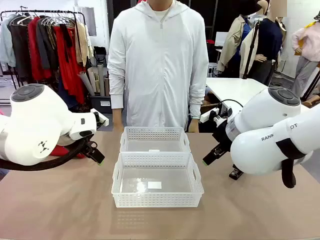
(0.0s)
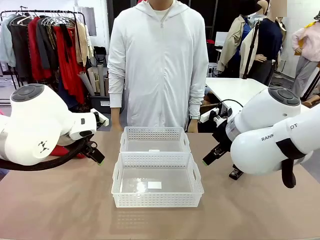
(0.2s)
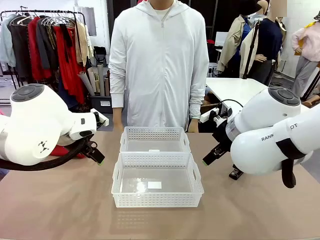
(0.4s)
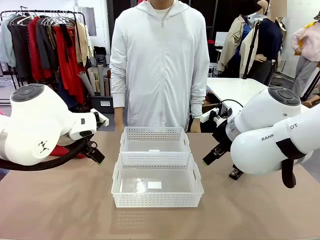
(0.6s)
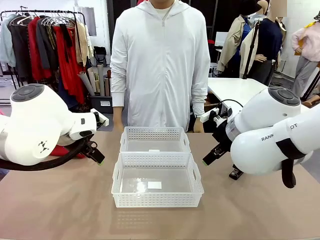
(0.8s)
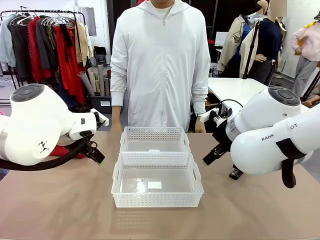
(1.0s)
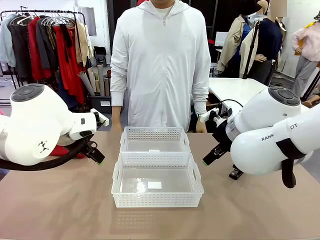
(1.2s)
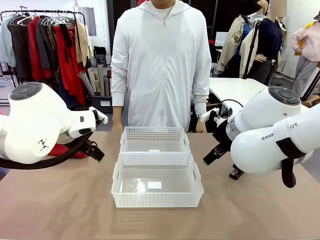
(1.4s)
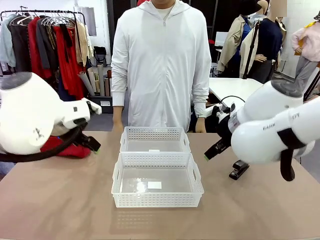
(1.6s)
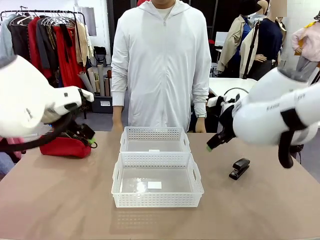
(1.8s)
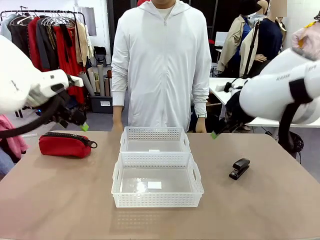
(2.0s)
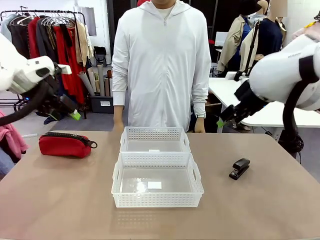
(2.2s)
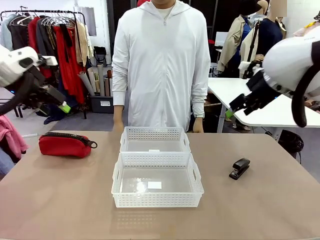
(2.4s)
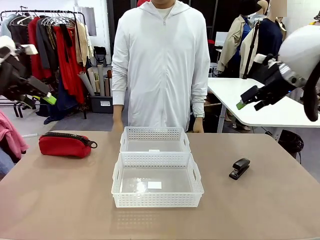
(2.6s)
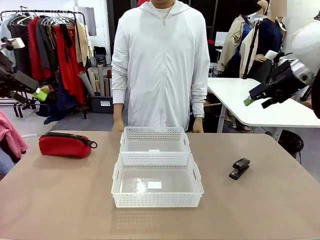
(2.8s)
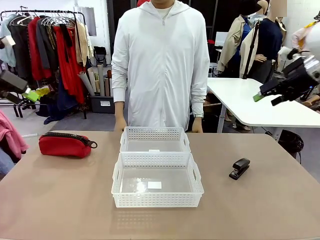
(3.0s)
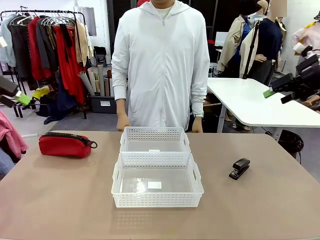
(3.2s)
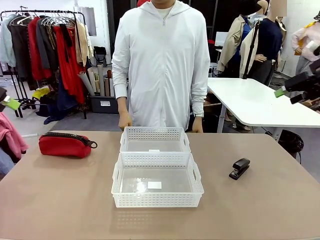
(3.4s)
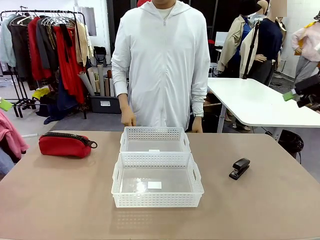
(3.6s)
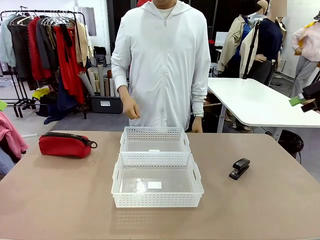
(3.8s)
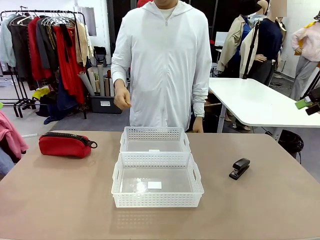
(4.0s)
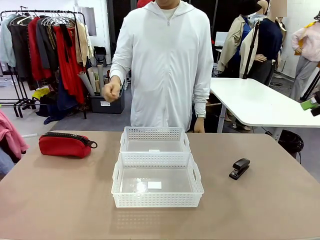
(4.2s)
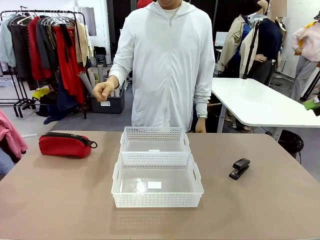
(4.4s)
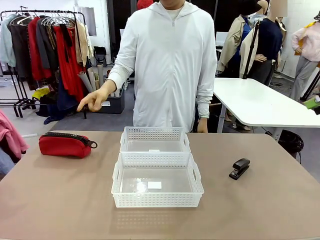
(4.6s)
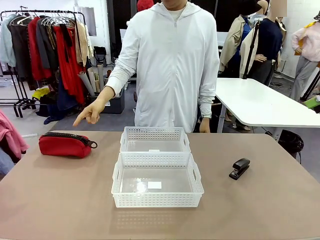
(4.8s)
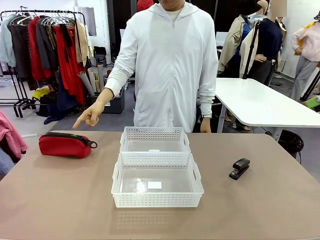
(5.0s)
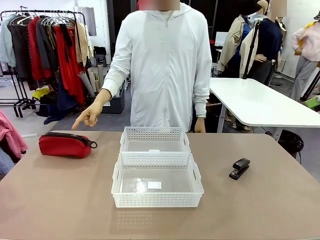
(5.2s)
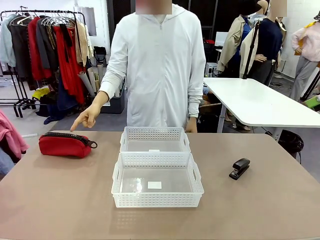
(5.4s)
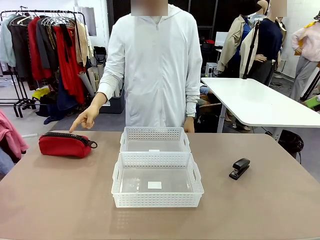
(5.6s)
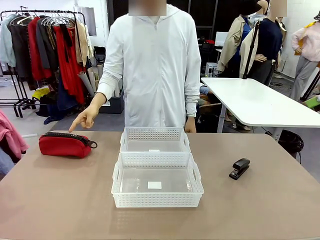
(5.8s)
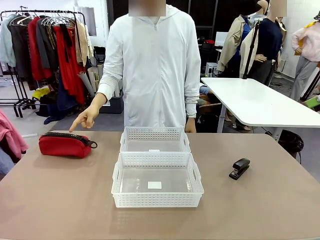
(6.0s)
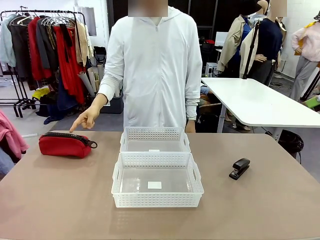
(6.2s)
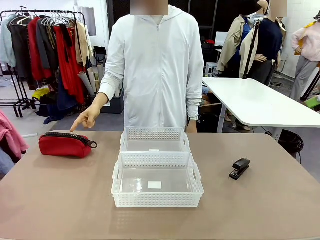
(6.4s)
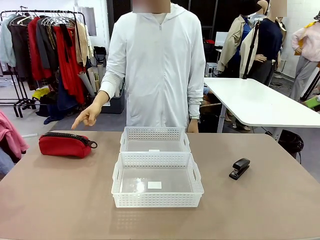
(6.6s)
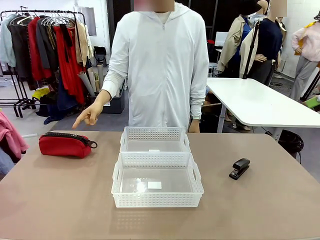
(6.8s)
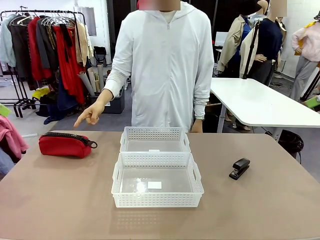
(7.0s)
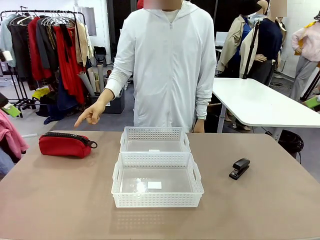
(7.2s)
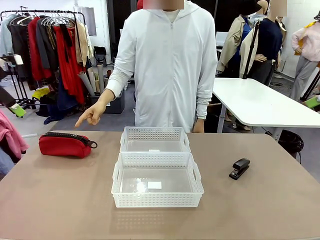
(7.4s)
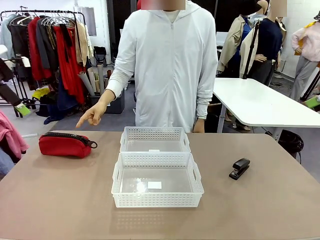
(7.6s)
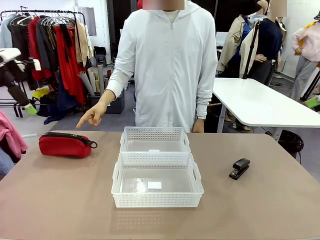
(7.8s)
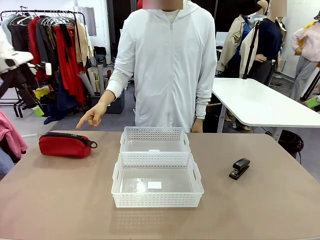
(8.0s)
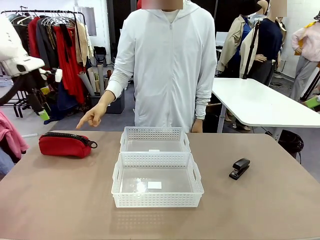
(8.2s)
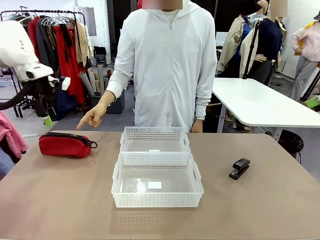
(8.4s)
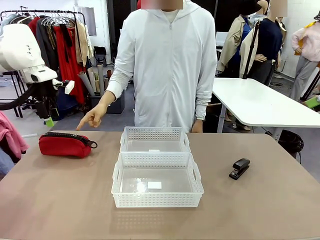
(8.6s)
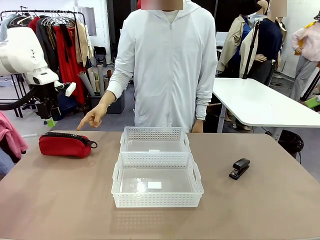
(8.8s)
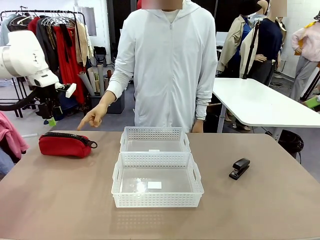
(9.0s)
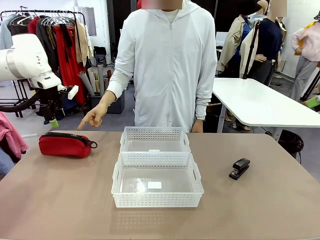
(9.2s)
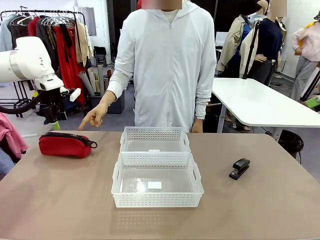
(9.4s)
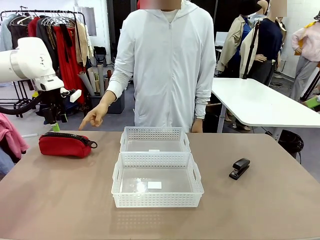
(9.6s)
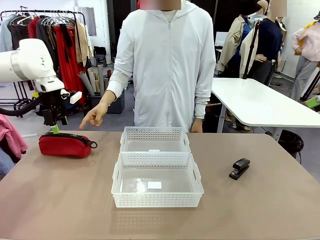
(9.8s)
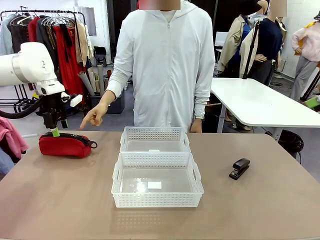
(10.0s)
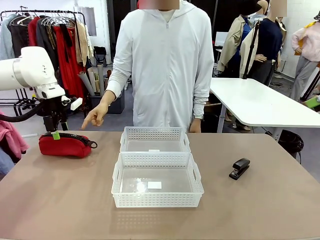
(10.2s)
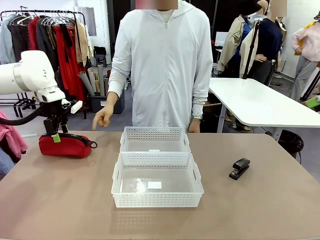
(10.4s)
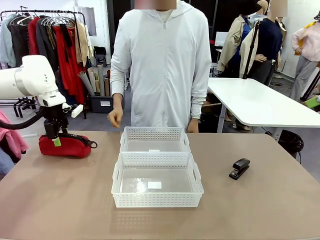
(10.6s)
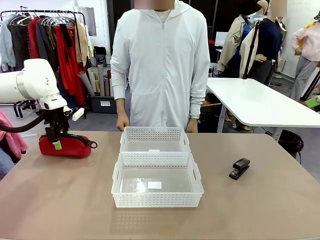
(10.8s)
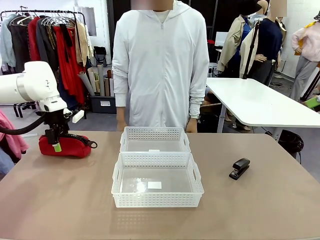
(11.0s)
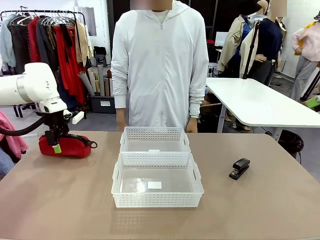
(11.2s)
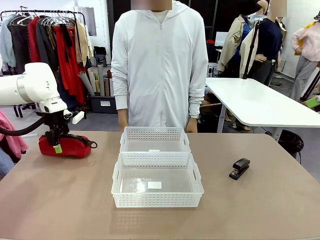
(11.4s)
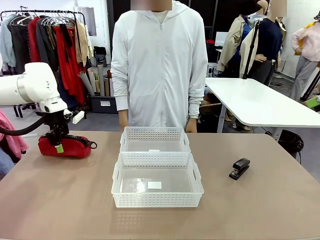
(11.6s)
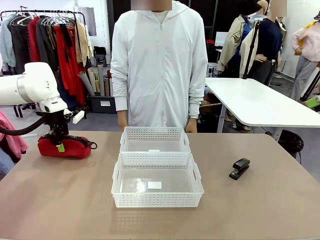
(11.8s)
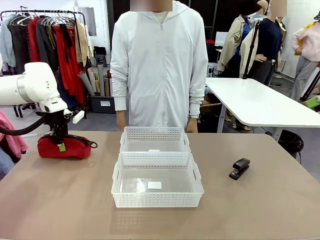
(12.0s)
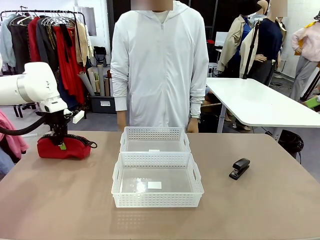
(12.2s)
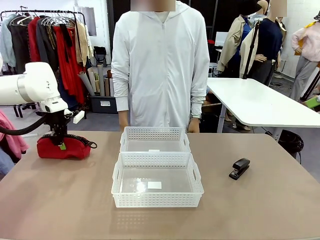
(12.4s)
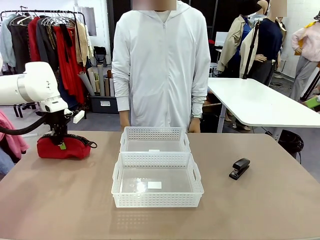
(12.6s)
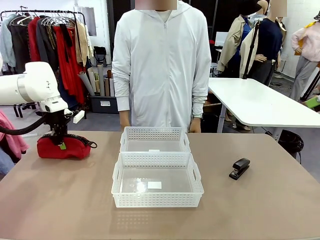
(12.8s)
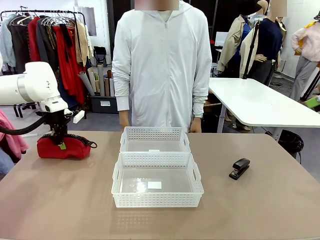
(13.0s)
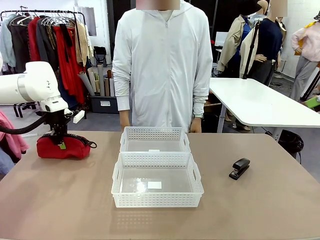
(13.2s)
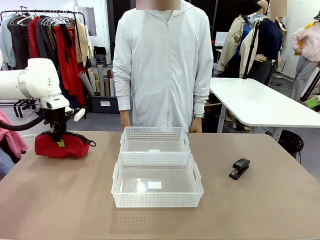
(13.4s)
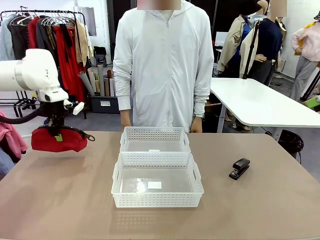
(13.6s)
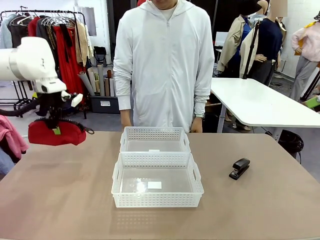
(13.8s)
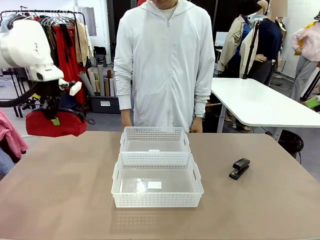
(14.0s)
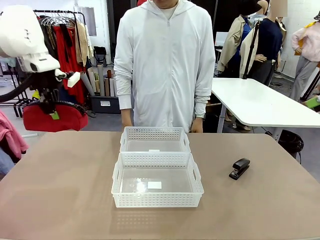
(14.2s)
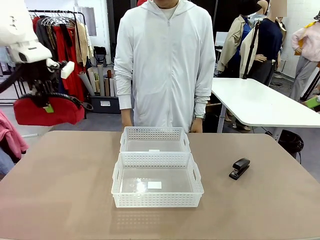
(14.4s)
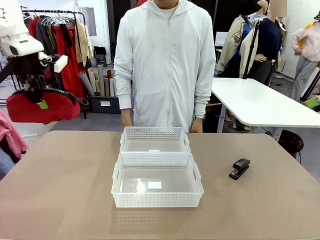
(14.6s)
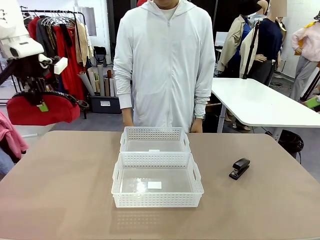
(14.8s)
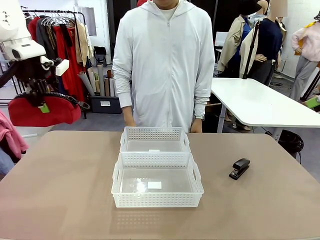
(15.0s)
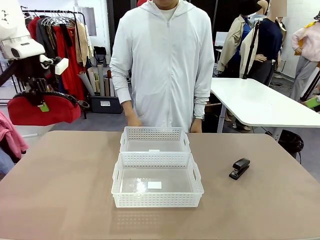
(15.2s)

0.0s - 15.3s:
Task: Distribute items into two baskets.
Robot: Pick up the Pencil pouch that the person points to.
Person: Points to the pencil case. Points between the two organizing baskets and instructs the robot to move the pencil case.

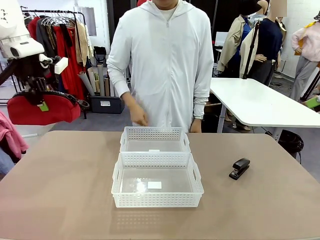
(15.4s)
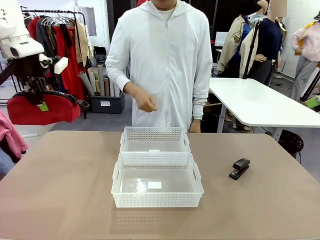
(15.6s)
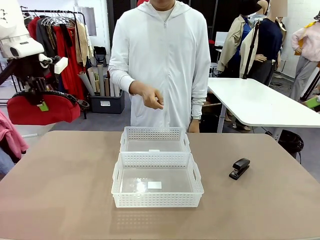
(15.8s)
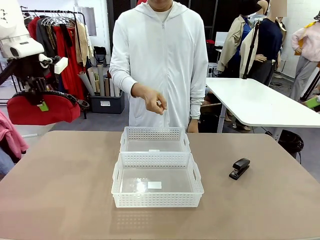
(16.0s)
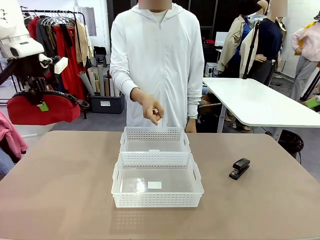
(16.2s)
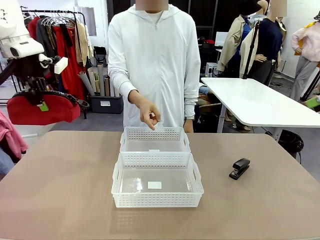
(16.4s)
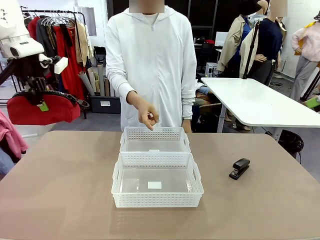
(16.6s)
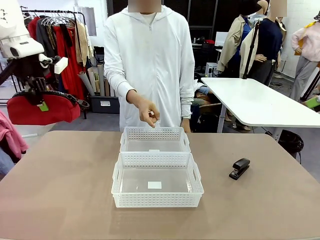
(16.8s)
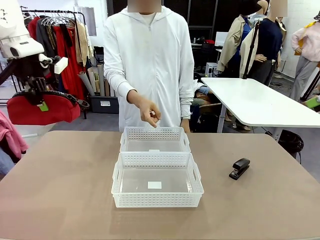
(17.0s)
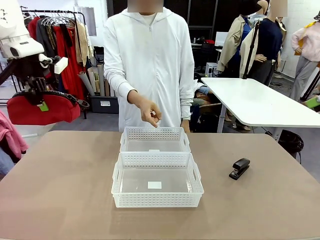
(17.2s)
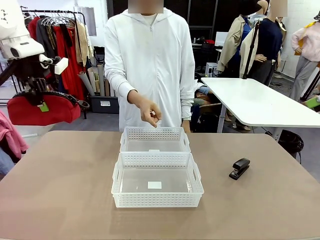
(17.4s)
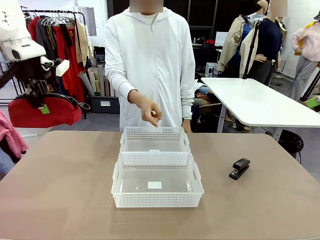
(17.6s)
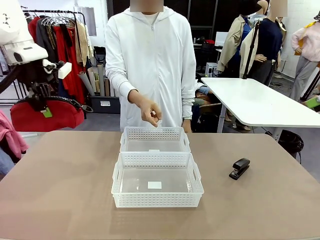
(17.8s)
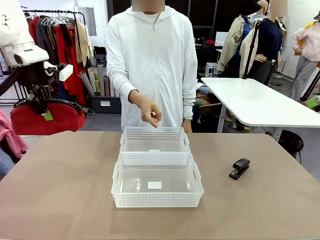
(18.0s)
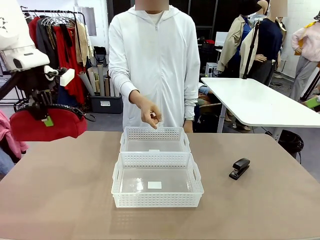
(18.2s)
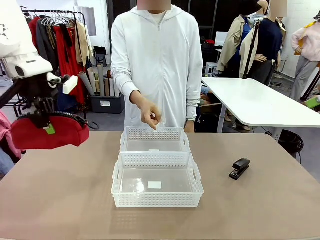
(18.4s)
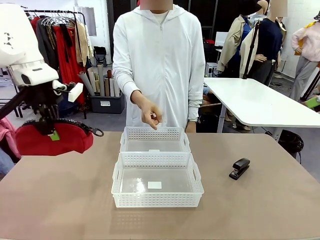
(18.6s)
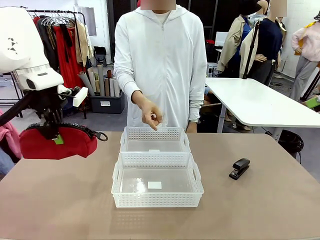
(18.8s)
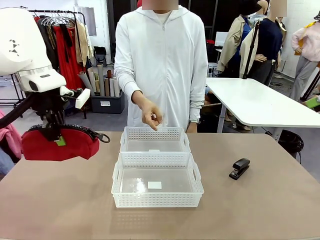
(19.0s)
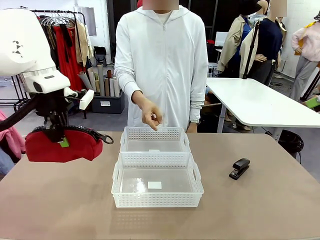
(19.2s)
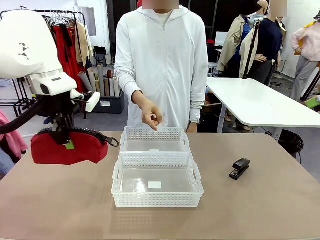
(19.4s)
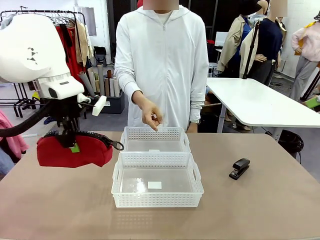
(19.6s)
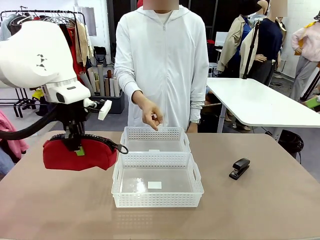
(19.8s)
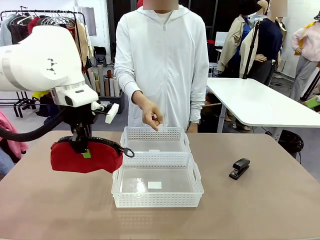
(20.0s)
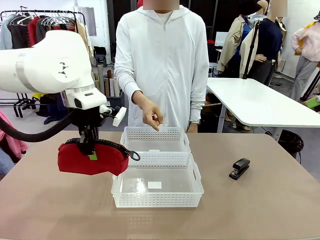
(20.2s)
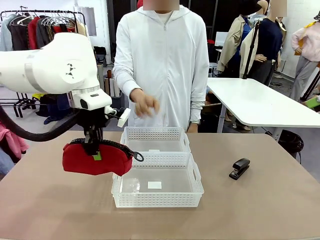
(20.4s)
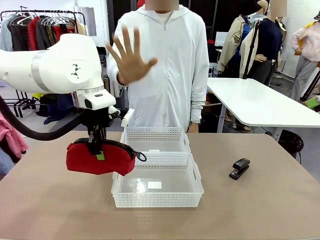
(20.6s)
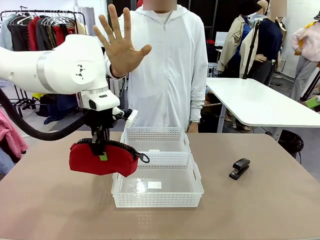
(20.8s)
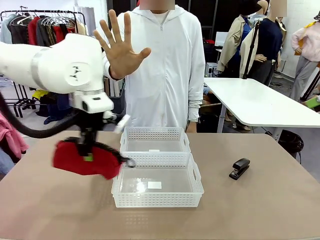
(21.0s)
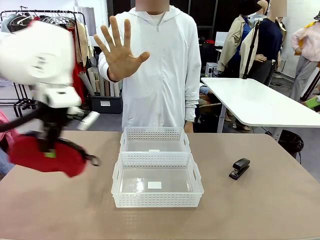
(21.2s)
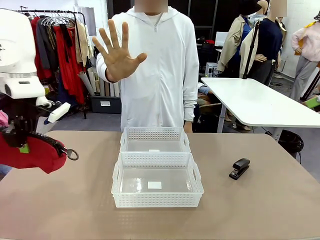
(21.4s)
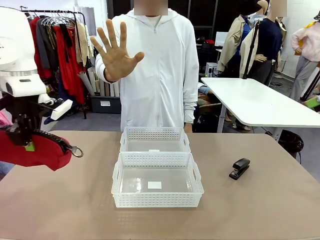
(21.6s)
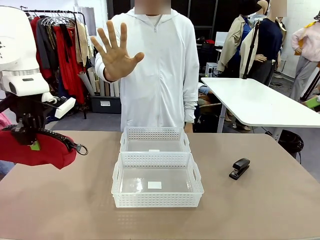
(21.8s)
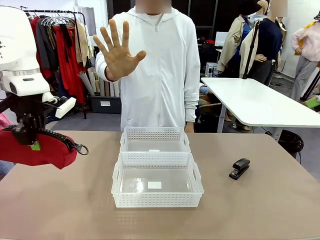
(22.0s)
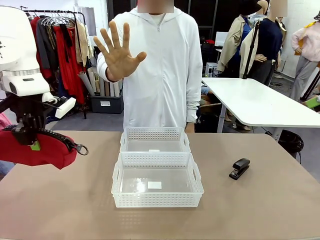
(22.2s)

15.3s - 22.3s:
Robot: Move the picked Pencil pouch towards the Organizing basket indicated by the person, stopping as directed.
Person: Sends a stop gesture before the robot places the pencil case into the basket.
